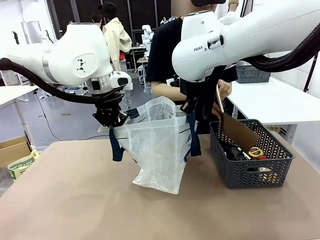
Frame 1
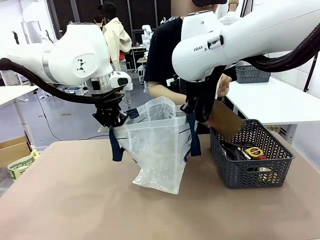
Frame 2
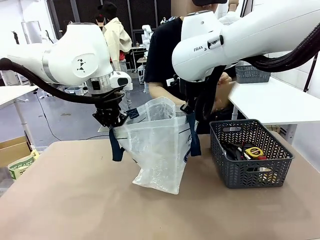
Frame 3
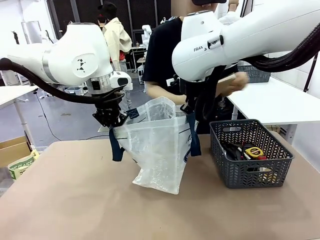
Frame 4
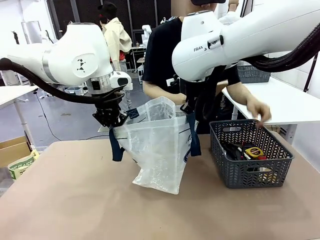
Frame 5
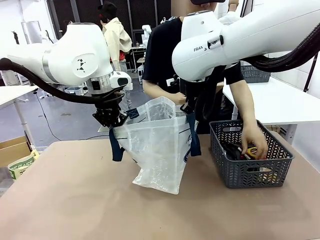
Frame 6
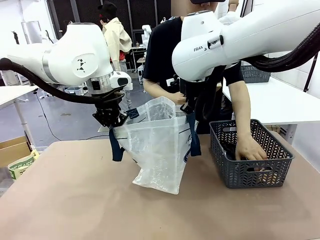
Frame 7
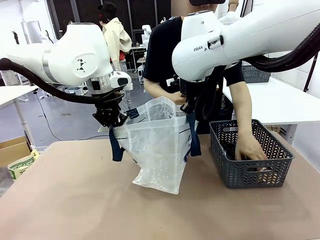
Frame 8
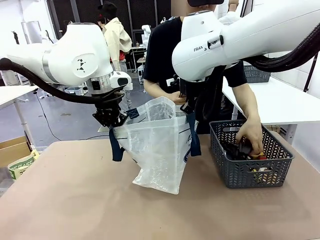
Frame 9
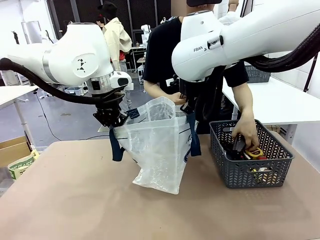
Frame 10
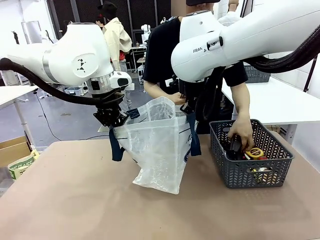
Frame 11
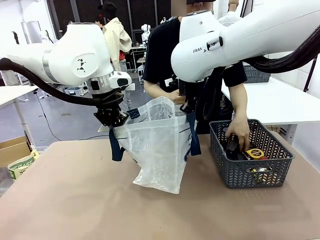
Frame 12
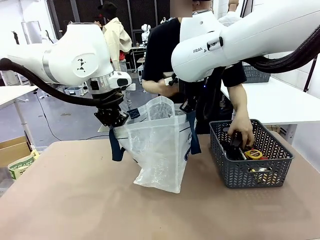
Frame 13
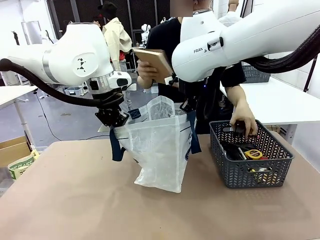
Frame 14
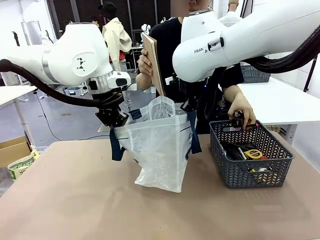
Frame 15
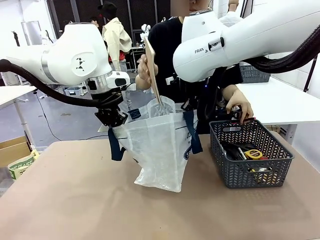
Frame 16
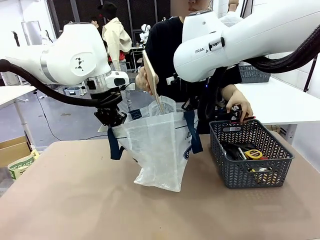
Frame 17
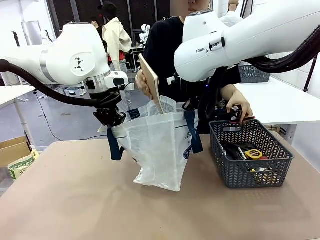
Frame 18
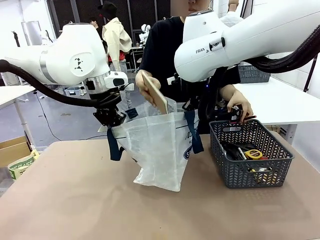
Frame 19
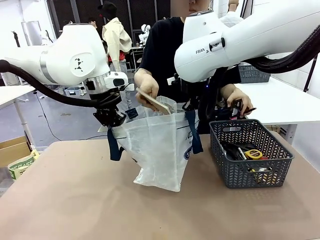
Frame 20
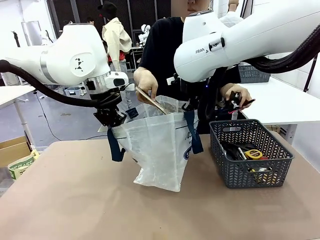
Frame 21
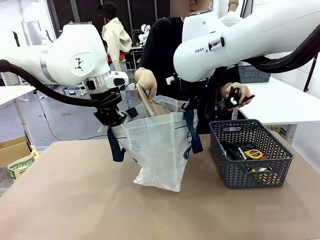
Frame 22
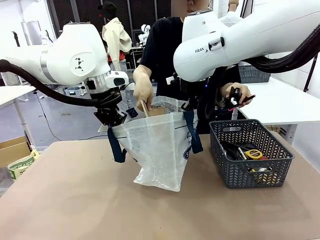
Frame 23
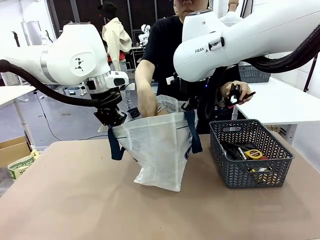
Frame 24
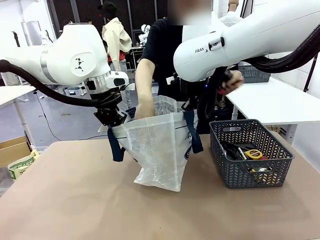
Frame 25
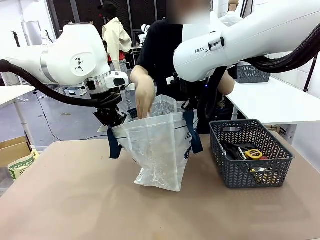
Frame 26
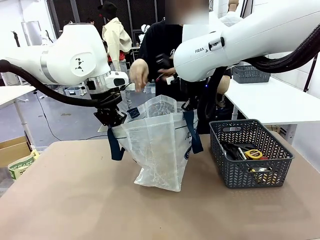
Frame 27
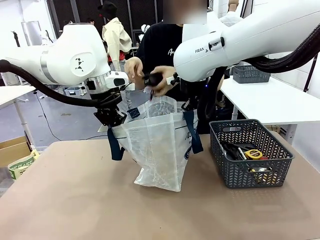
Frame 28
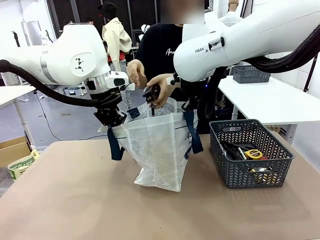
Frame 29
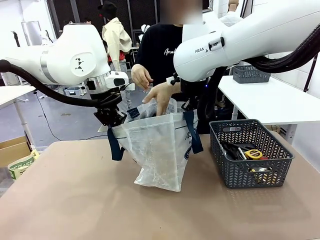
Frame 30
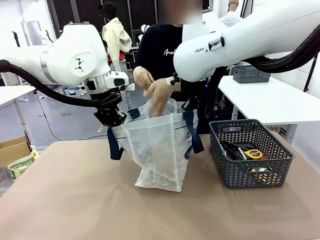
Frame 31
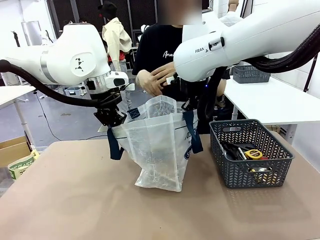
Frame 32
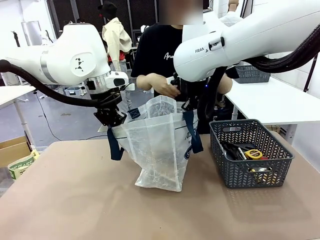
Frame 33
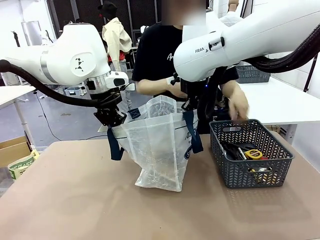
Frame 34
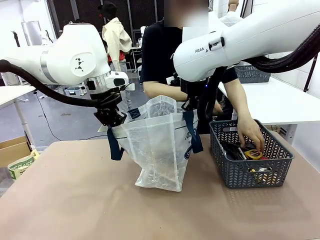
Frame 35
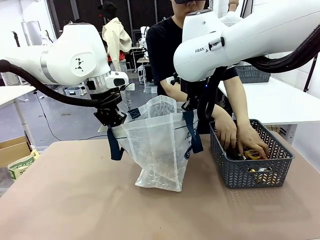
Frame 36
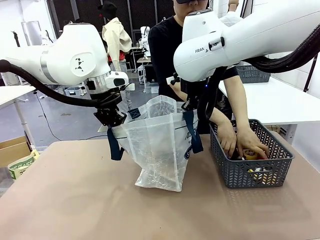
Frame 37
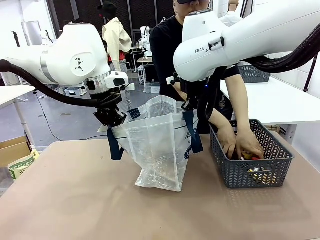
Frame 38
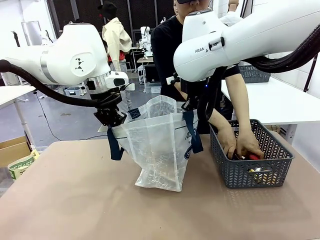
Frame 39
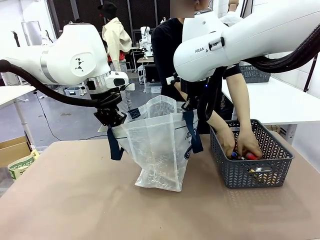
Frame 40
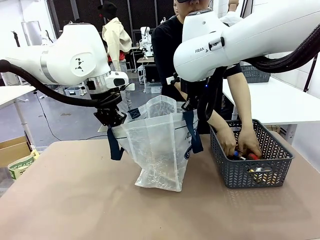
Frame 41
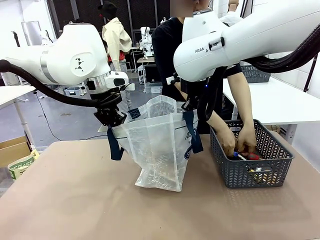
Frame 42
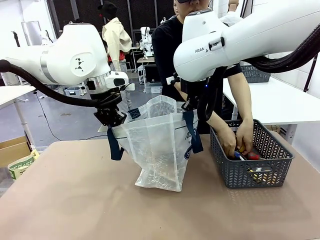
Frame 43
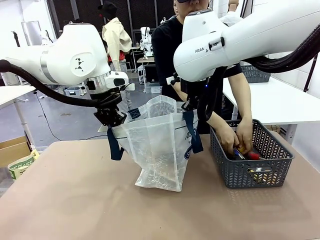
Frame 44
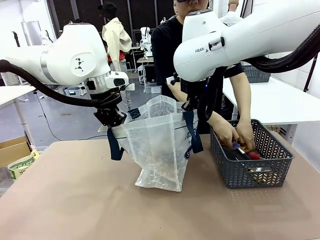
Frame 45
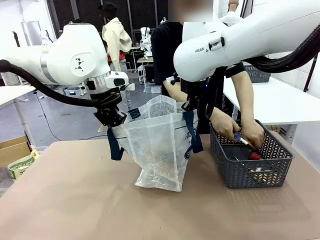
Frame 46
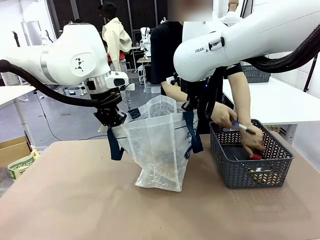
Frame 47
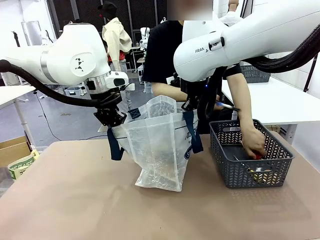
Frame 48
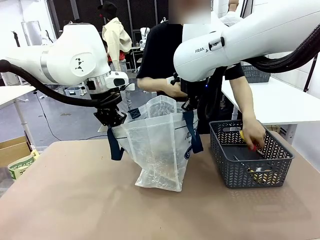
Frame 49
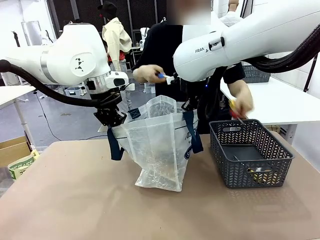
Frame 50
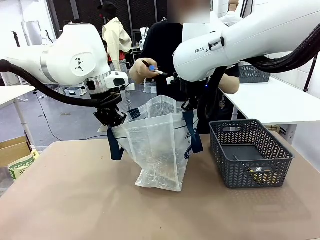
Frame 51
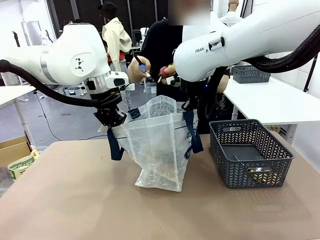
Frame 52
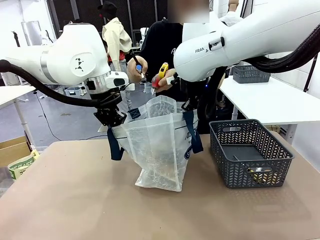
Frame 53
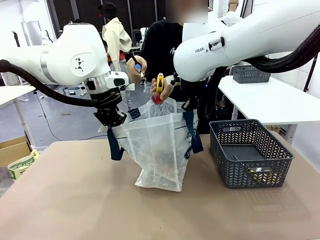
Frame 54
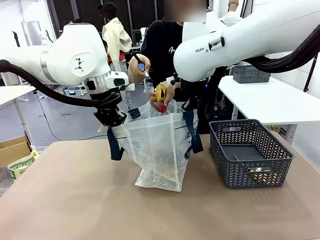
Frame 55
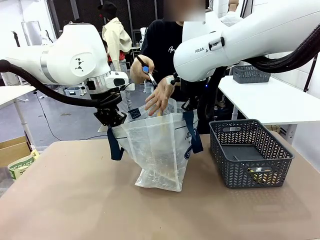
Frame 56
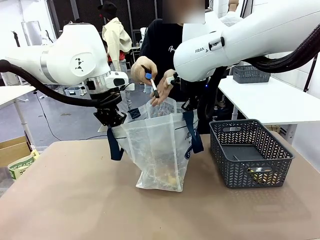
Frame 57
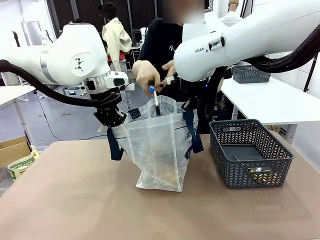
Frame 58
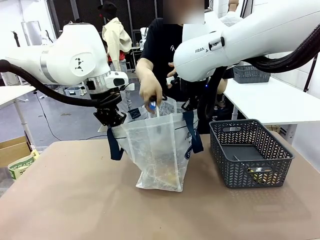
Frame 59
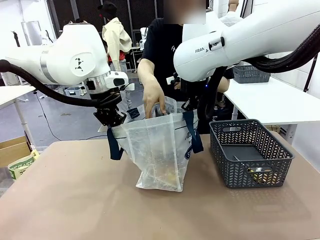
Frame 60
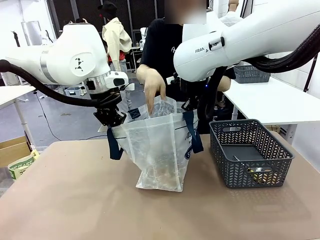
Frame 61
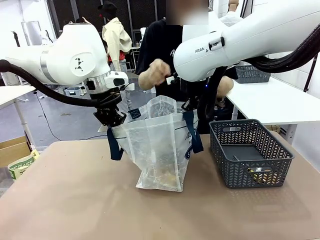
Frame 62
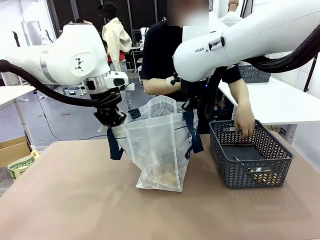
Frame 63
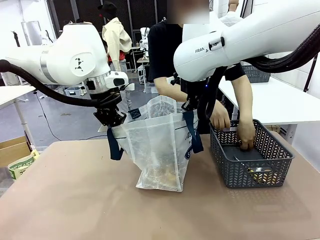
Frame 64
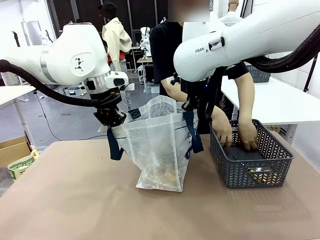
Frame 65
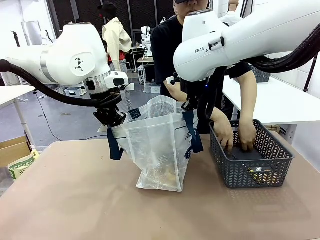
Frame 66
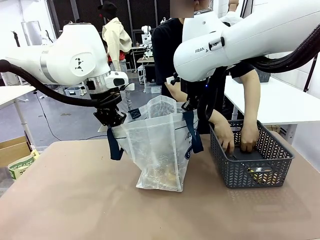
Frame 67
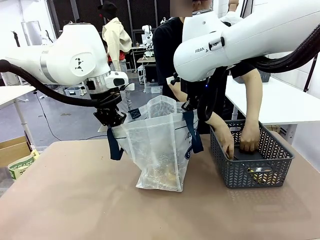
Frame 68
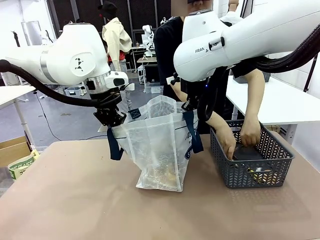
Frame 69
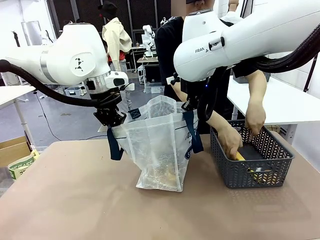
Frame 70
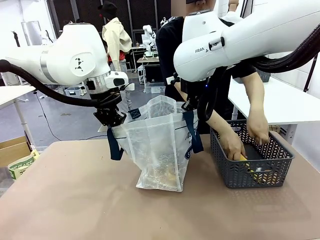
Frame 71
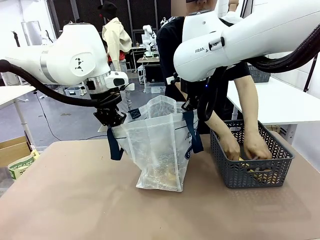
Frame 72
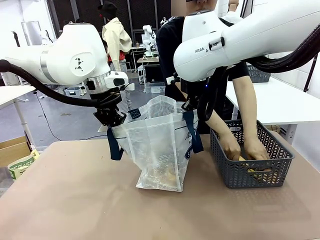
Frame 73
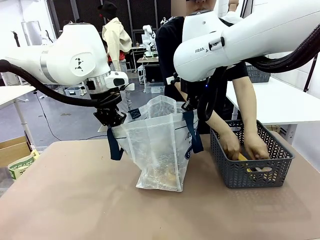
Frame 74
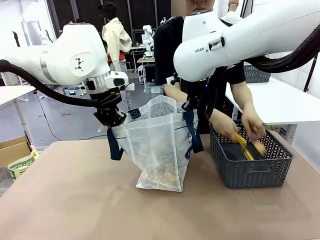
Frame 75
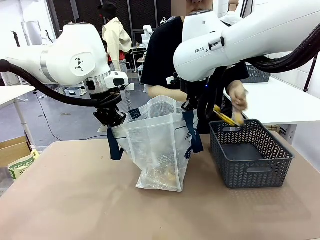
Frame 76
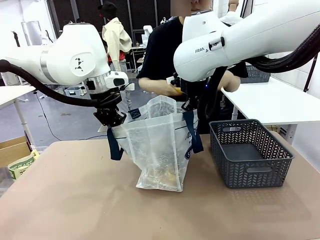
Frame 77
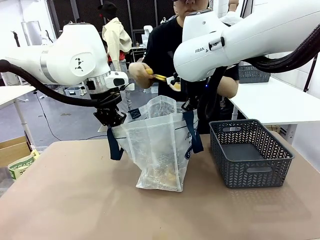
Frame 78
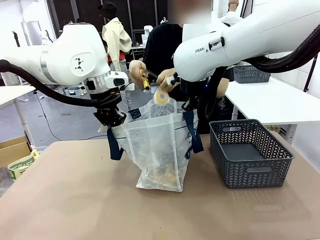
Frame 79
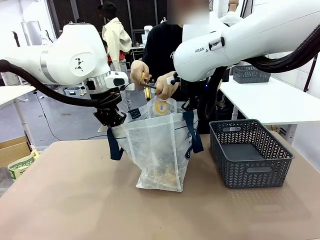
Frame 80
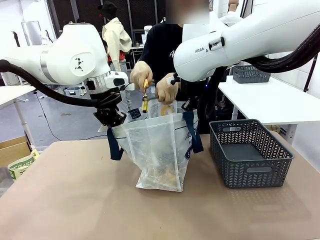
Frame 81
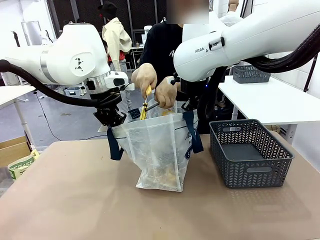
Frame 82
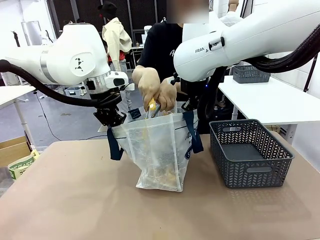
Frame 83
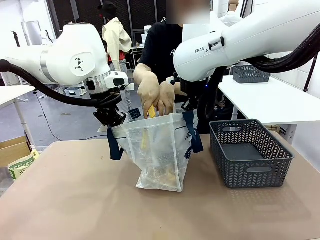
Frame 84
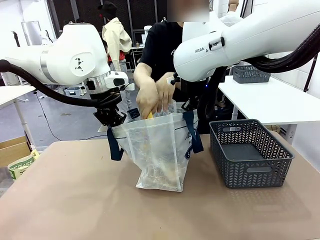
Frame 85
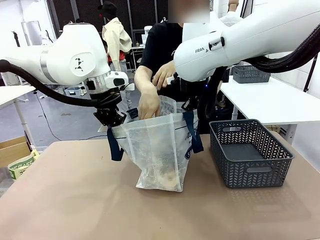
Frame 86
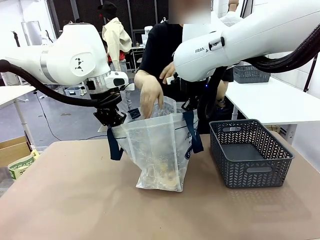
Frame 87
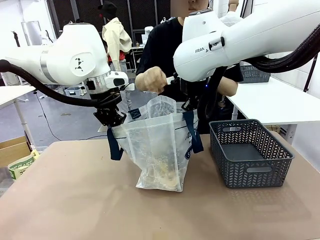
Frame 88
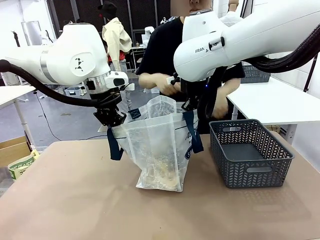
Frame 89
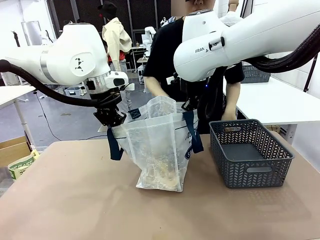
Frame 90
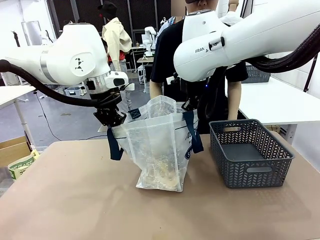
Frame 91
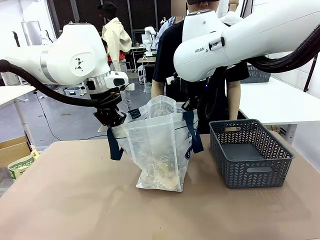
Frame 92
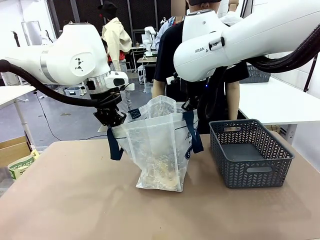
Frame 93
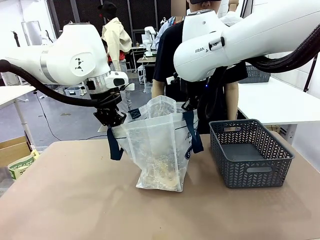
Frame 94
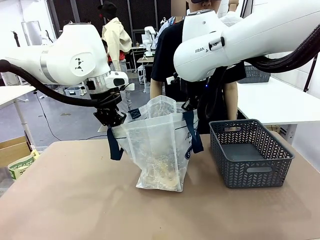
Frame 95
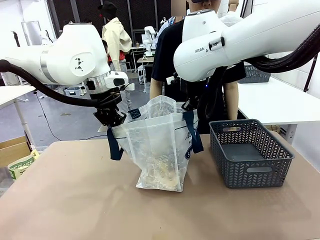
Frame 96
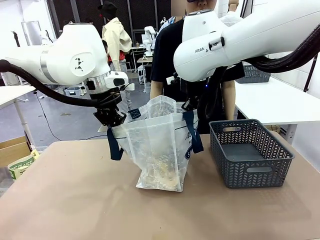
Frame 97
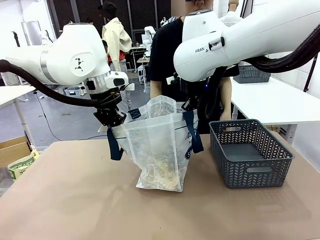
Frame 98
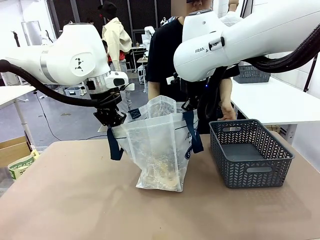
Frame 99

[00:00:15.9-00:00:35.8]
Task: Transfer purchased items from the store into the shopping bag.
Robot: Move the Reusable shopping bag to the right side of the table.
Person: Pick up the basket on the right, place it on the left side of the robot table, and move the items in the basket to the shopping bag.
